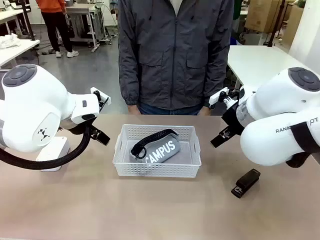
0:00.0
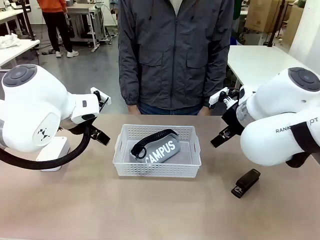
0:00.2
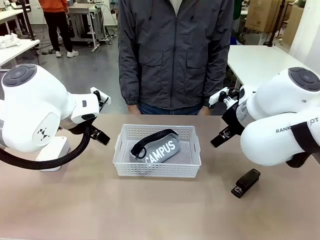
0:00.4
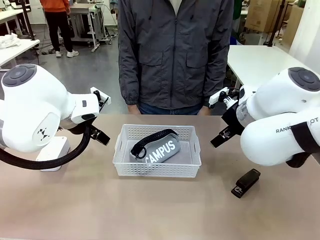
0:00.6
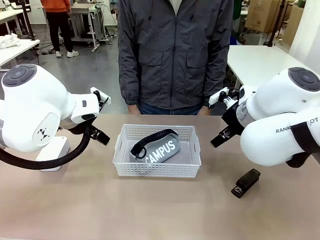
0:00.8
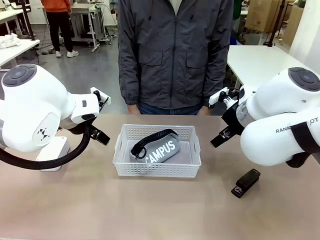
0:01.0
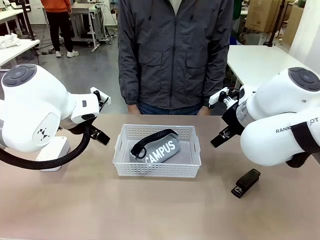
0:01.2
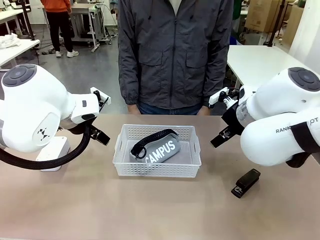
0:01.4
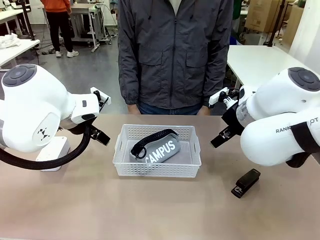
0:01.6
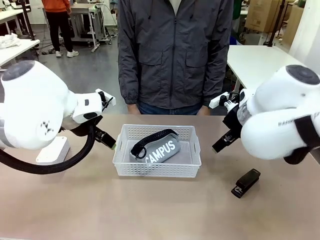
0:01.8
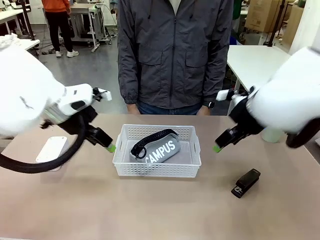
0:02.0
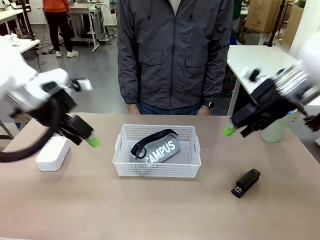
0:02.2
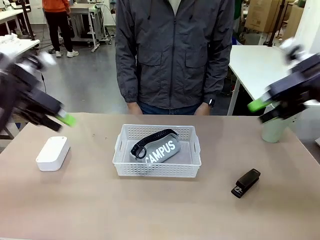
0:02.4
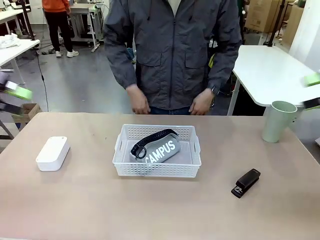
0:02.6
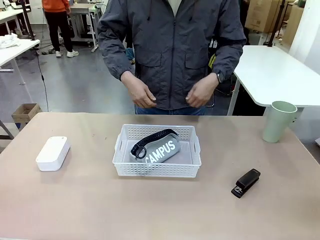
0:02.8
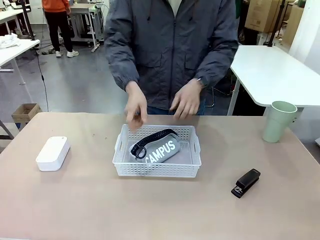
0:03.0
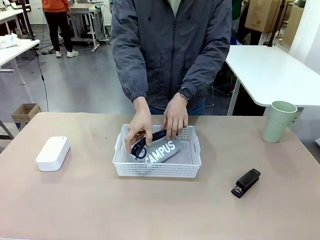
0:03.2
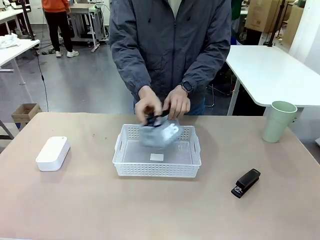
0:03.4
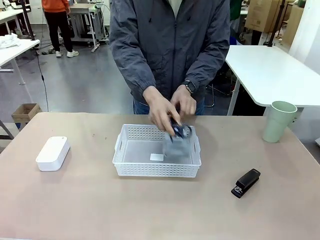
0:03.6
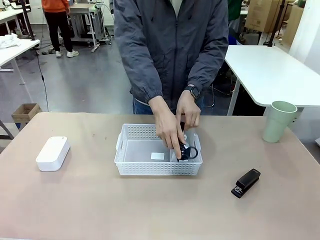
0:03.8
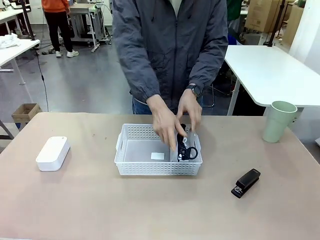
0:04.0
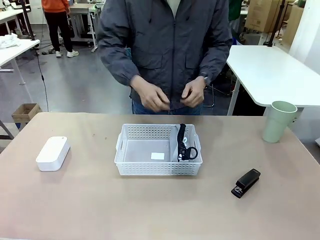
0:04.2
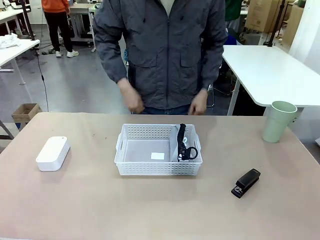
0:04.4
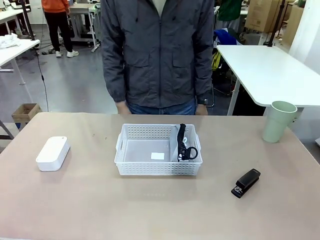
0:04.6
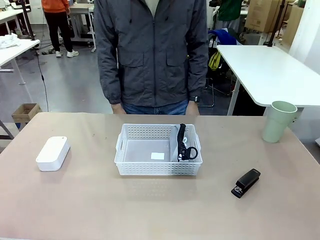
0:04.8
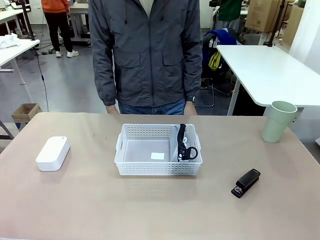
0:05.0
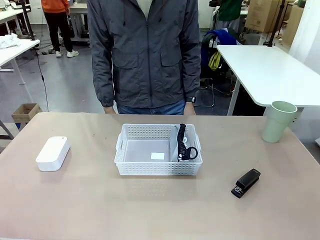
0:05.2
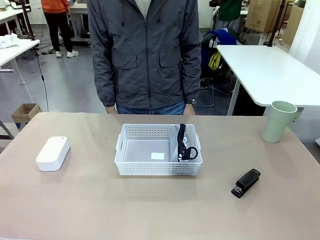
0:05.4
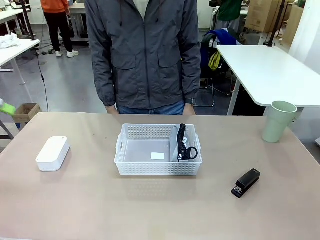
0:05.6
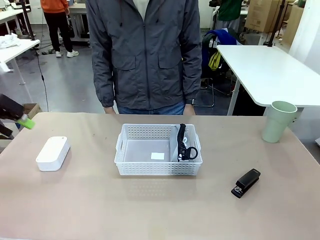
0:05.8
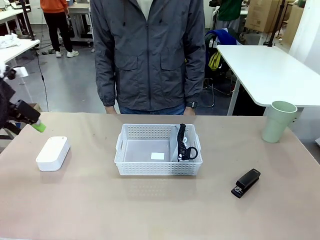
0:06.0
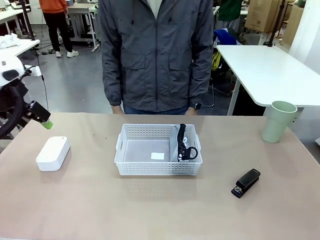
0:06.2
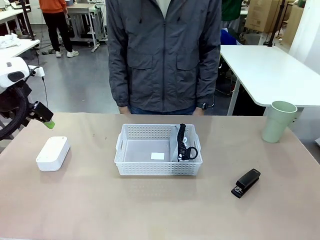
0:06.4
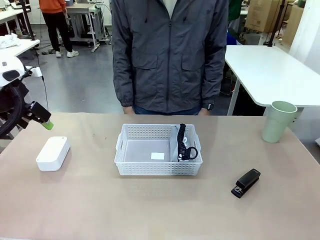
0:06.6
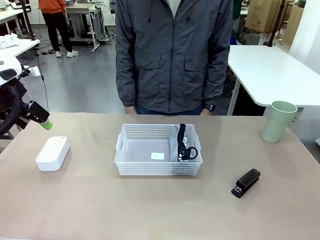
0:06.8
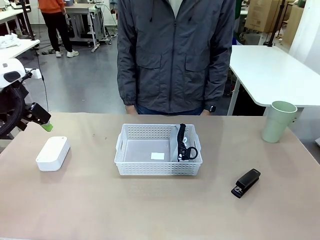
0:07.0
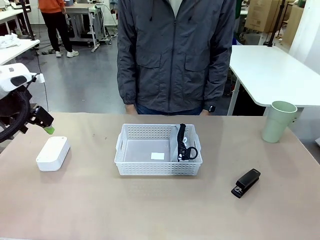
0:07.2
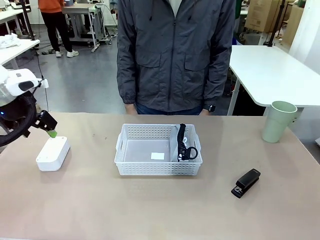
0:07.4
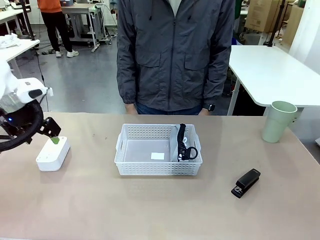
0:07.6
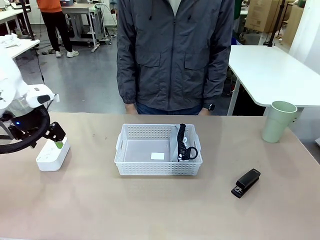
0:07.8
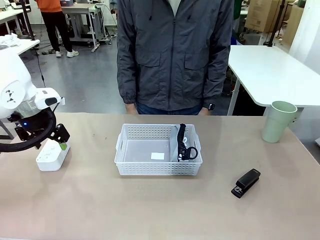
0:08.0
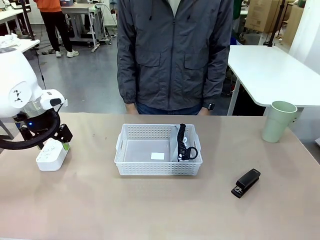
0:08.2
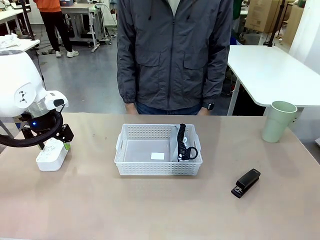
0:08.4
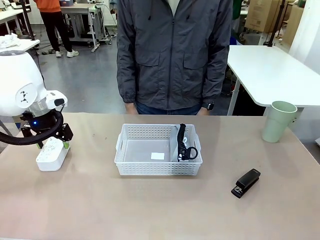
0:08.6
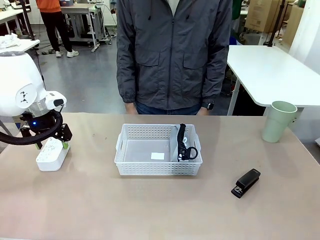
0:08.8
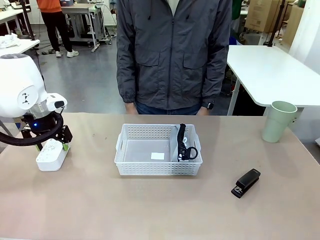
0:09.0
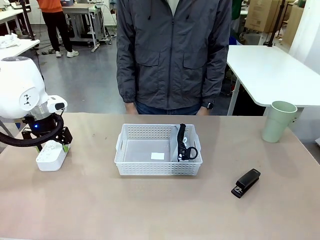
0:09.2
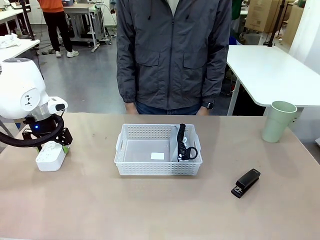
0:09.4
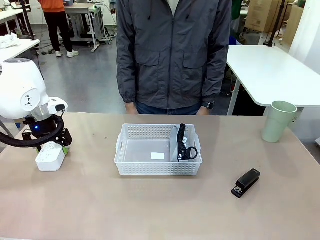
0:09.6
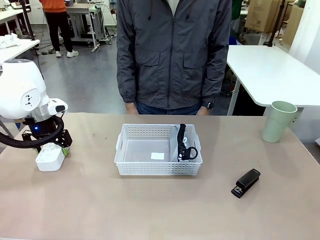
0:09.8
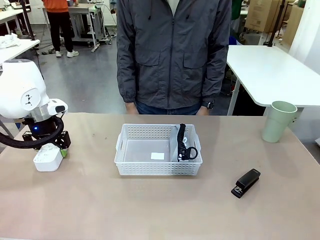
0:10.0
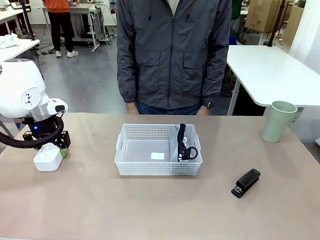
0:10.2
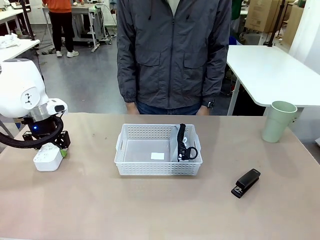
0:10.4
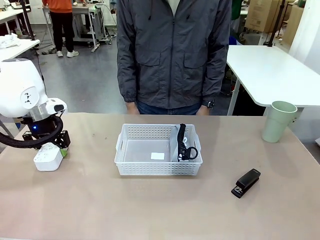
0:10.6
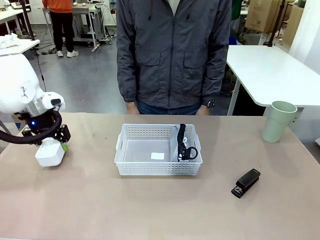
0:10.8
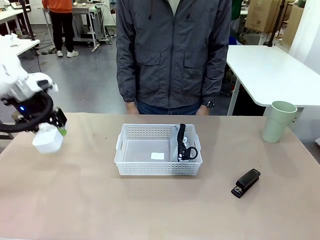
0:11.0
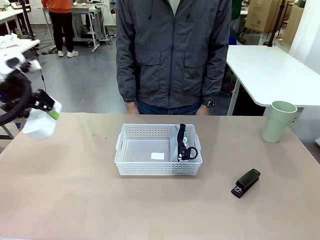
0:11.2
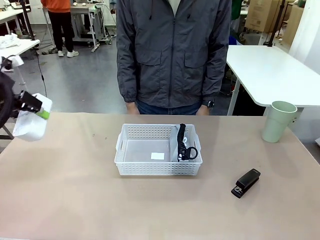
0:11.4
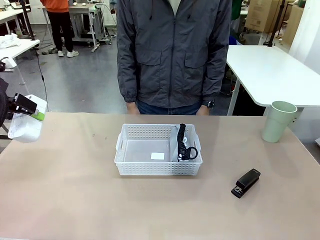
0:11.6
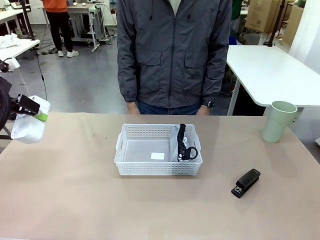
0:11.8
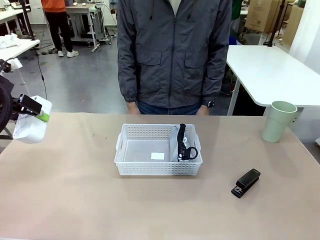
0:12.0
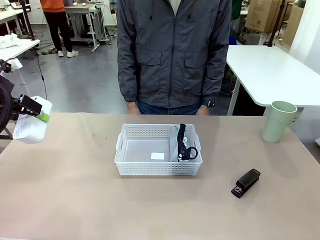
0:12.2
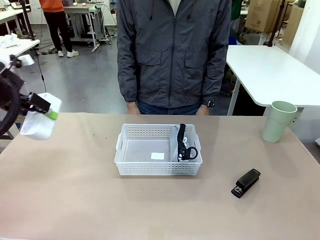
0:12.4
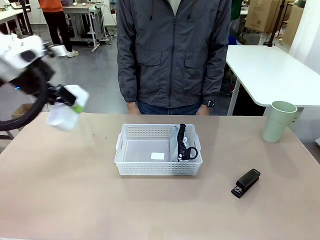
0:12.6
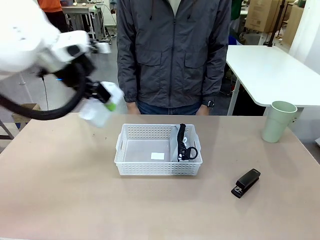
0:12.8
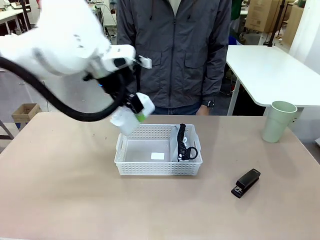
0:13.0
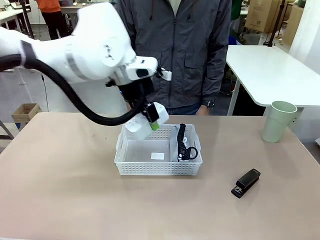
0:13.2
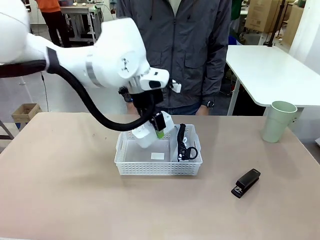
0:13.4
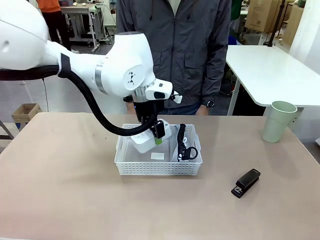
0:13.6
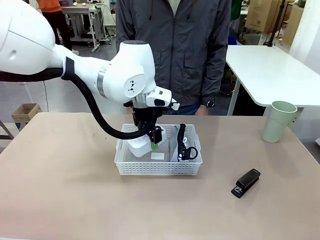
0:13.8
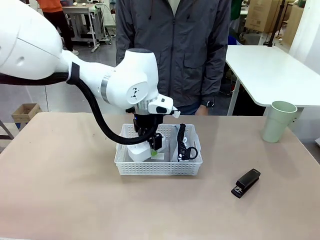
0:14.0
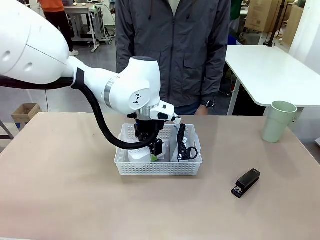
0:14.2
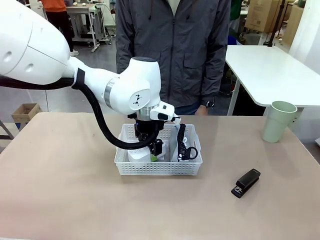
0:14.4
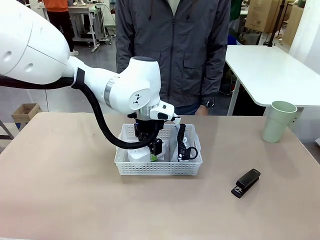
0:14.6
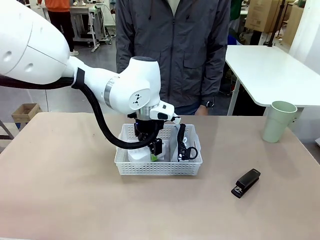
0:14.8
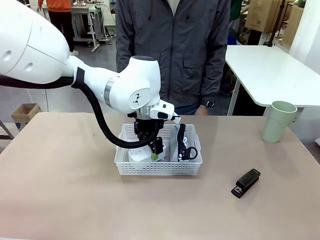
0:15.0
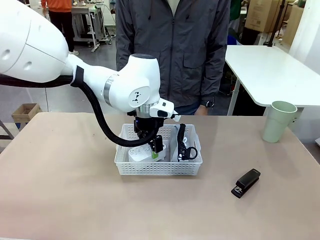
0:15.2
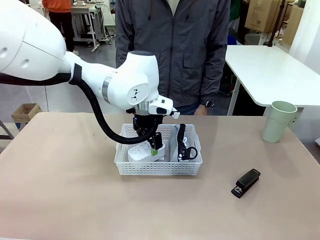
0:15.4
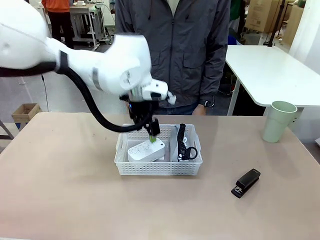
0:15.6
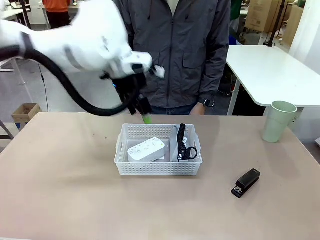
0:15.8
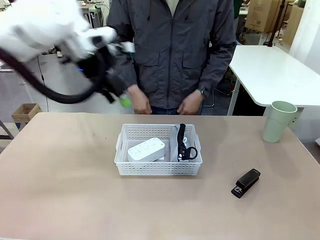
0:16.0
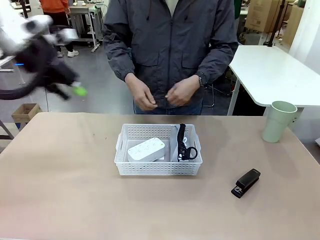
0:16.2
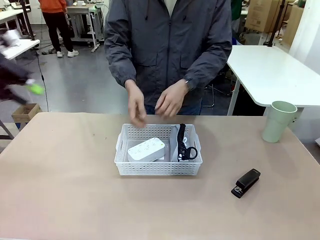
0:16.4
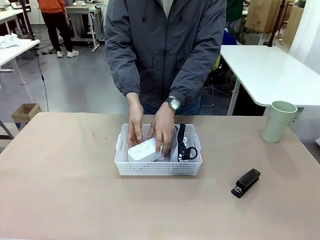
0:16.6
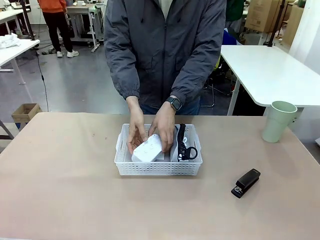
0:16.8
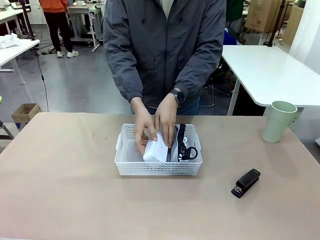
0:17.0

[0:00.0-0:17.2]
Task: Efficiently arrange items inside the basket to fit them all.
Robot: Pick up the Digital clock and place it inside the Organizing basket.
Person: Repositions the pencil case. Repositions the digital clock.
